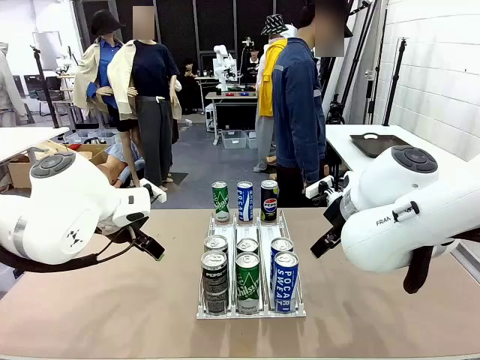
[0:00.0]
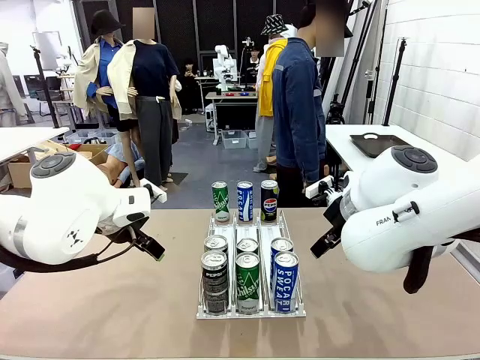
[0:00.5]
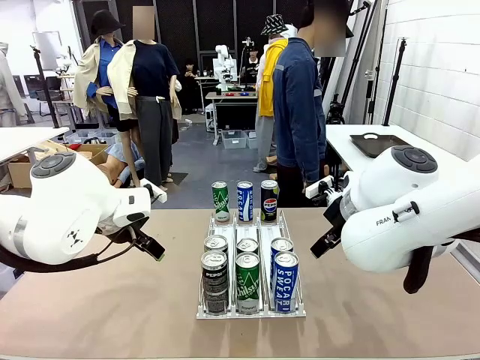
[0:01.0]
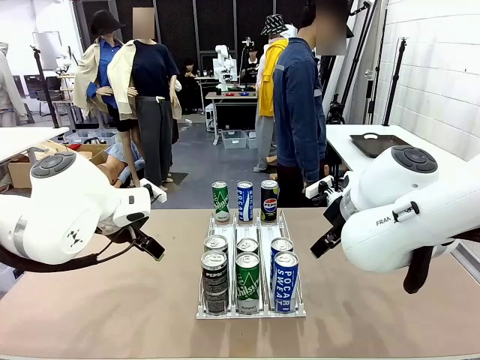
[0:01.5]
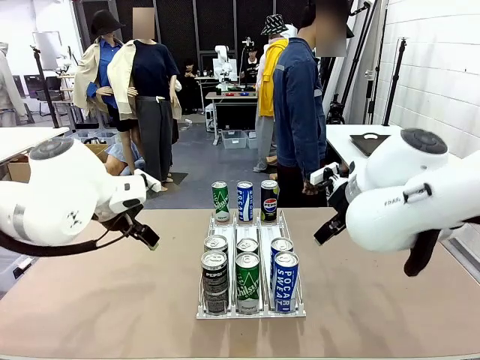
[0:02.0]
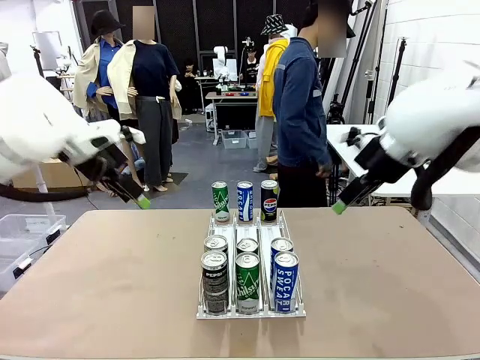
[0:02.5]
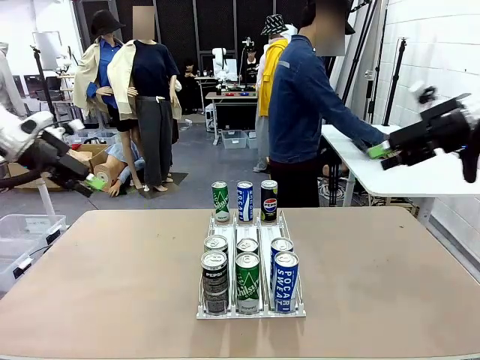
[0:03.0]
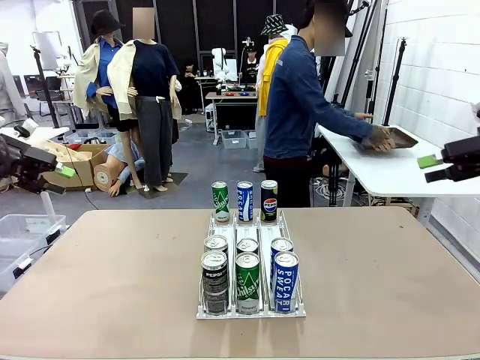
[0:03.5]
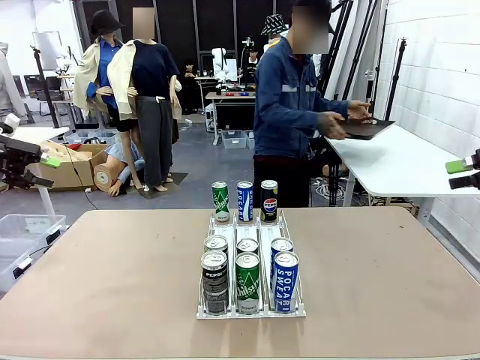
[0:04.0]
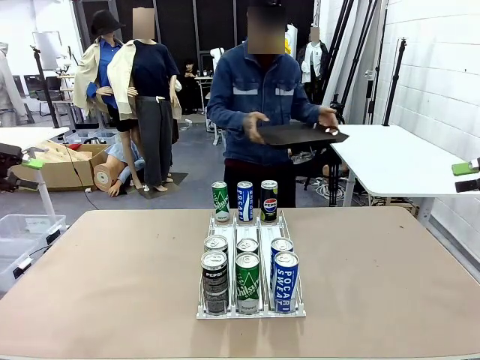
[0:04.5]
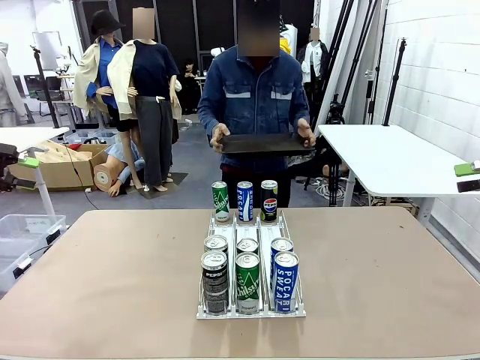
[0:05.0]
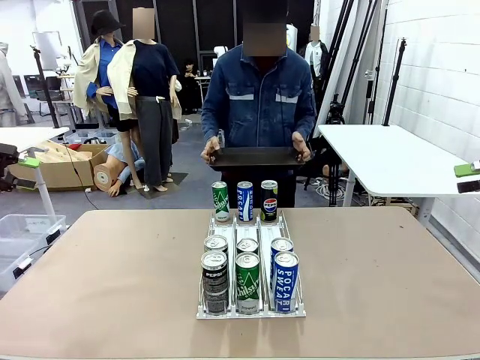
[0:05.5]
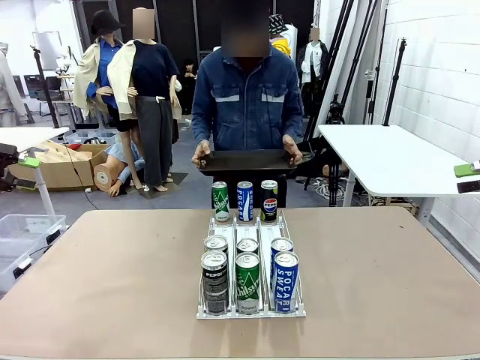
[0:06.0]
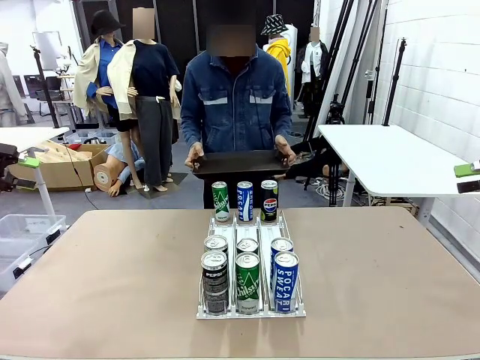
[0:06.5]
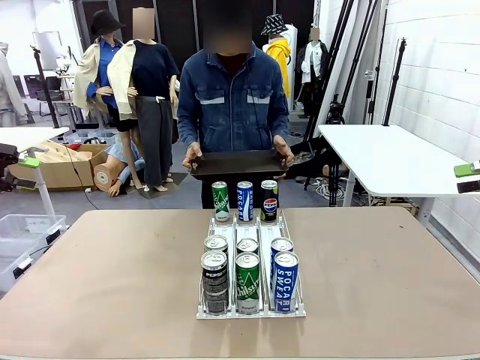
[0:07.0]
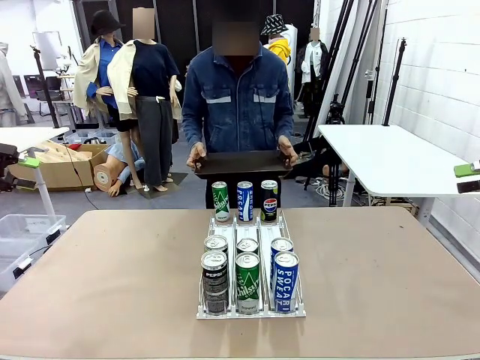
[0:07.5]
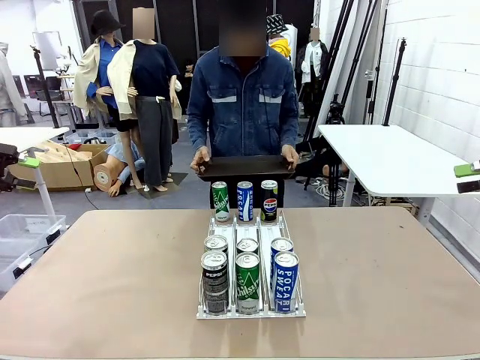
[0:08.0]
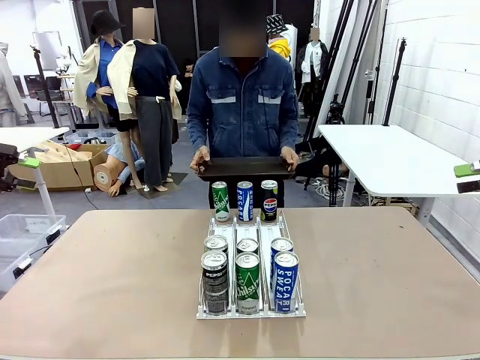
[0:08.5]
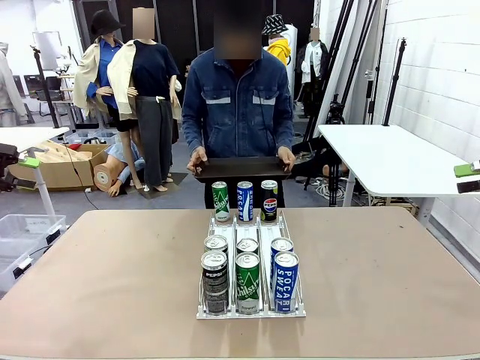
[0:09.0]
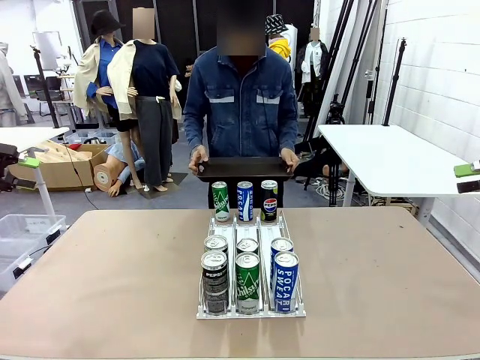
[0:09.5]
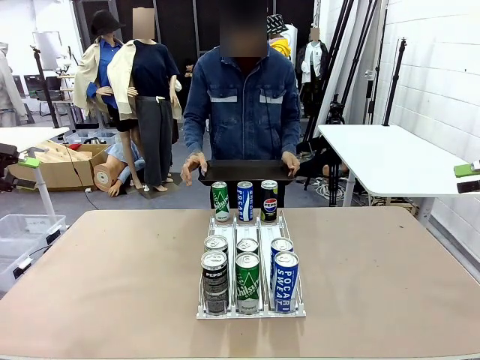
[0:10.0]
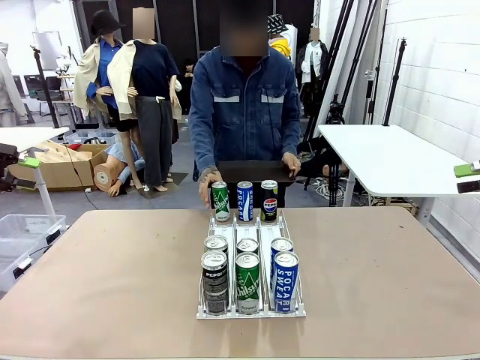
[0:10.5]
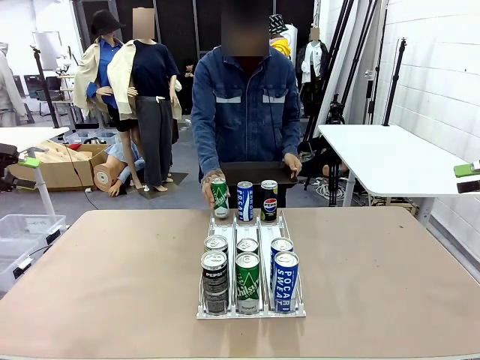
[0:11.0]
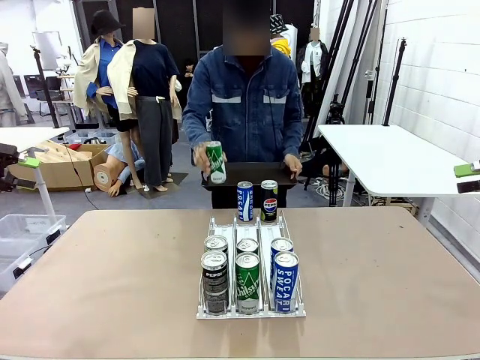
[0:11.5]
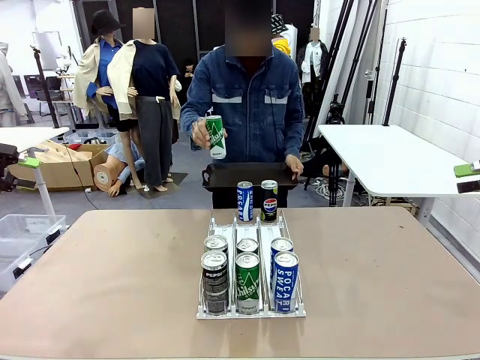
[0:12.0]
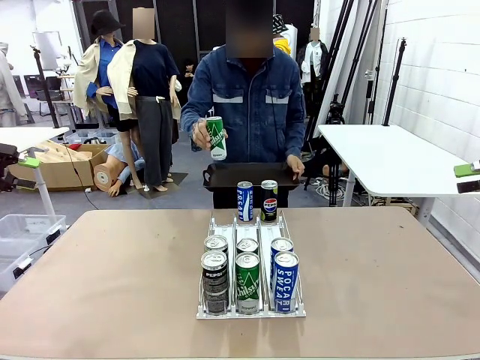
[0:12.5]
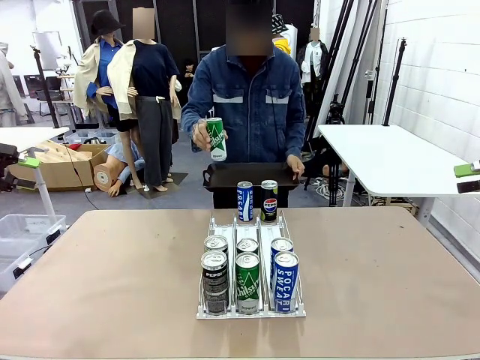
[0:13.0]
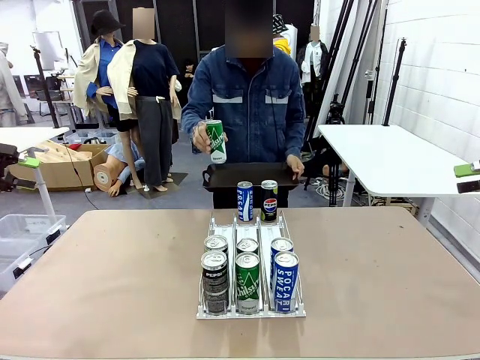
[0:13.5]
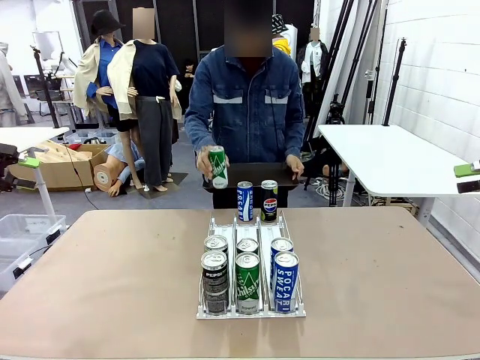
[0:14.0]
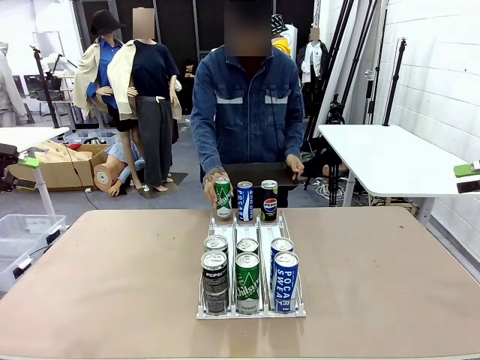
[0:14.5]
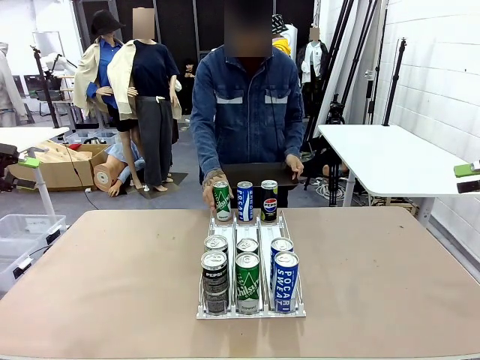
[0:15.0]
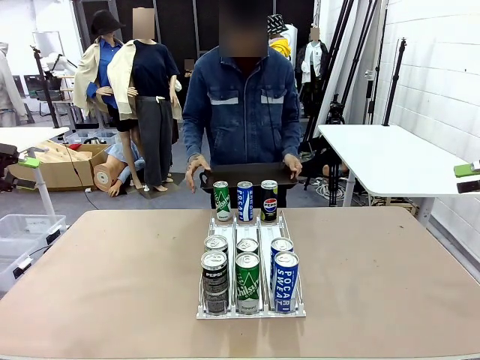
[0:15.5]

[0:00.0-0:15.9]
Task: Retrieve and hand over the desired beverage to the person.
Robot: Pick up a can of the same type that the person held from the Automatic Can Dispenser.
Person: Hold the tray and position yourself in front of the robot table. Pick up one can from the bottom area of the table and puts it back in its original place.

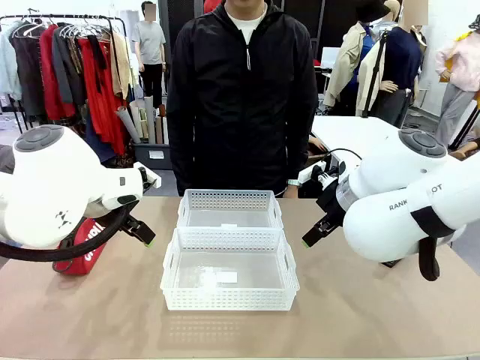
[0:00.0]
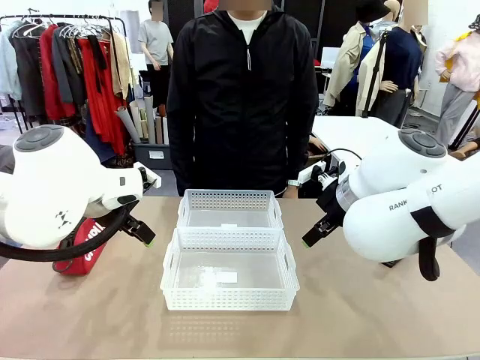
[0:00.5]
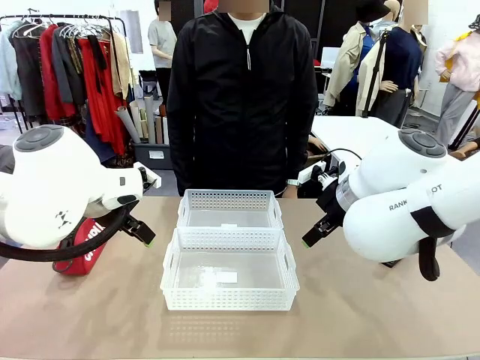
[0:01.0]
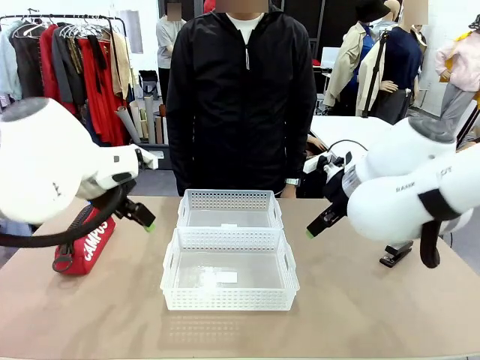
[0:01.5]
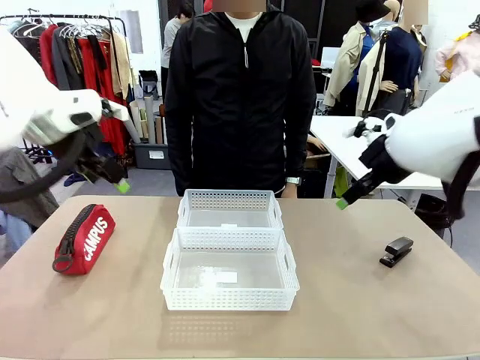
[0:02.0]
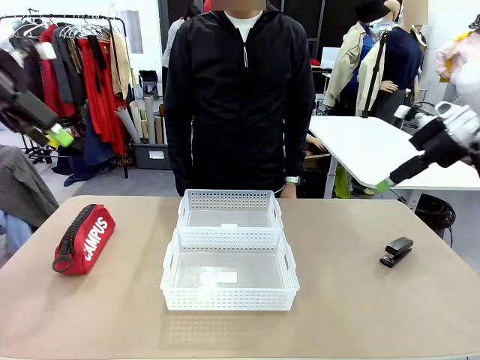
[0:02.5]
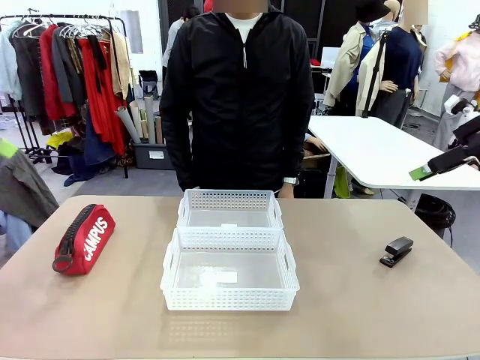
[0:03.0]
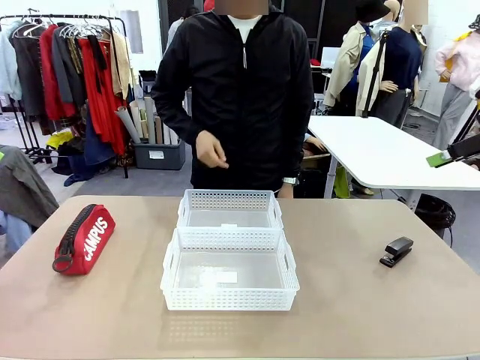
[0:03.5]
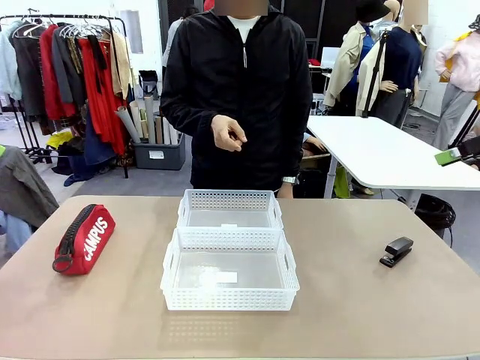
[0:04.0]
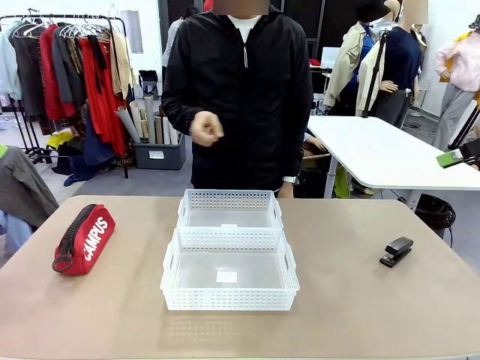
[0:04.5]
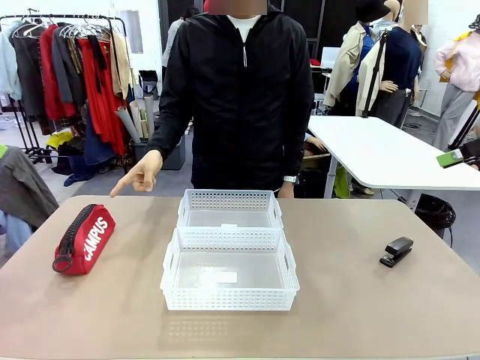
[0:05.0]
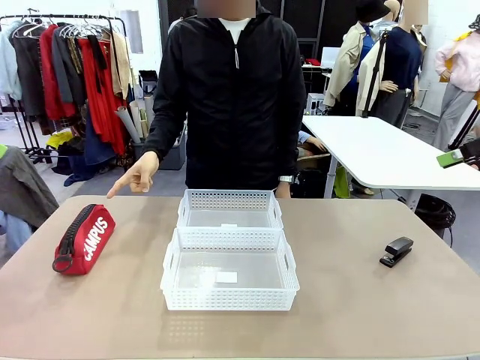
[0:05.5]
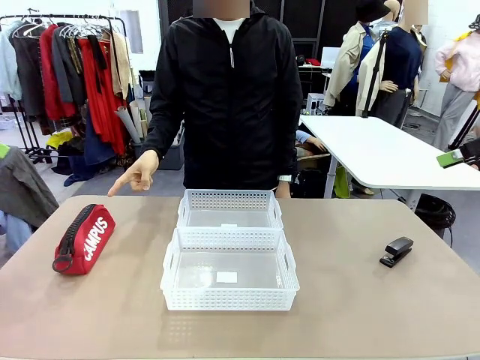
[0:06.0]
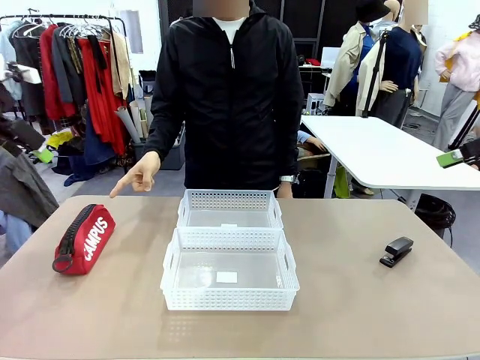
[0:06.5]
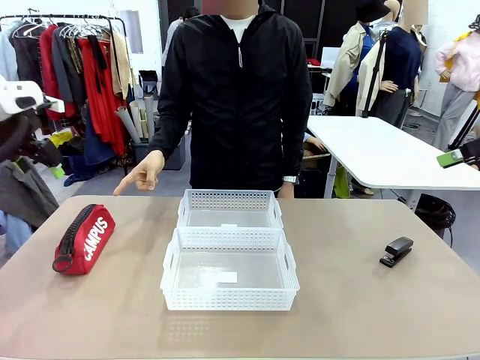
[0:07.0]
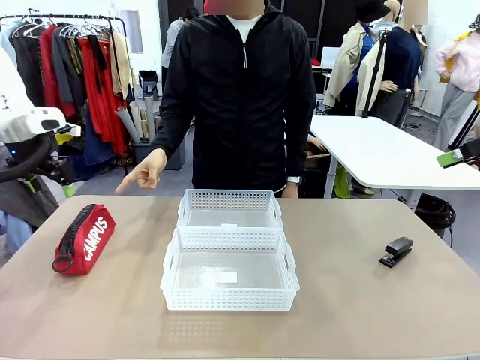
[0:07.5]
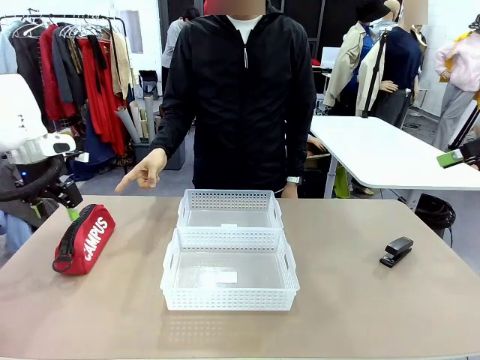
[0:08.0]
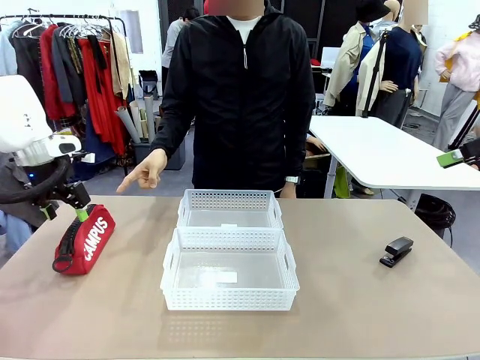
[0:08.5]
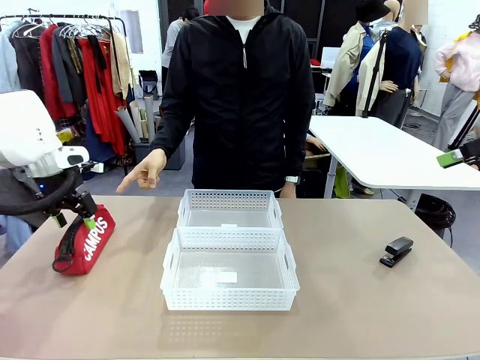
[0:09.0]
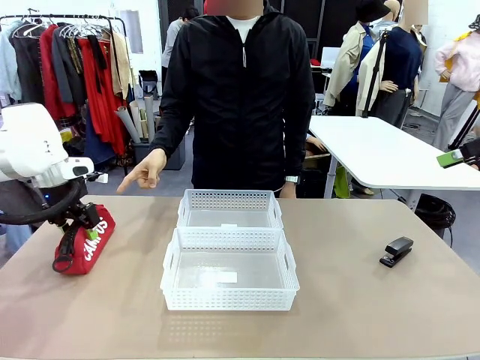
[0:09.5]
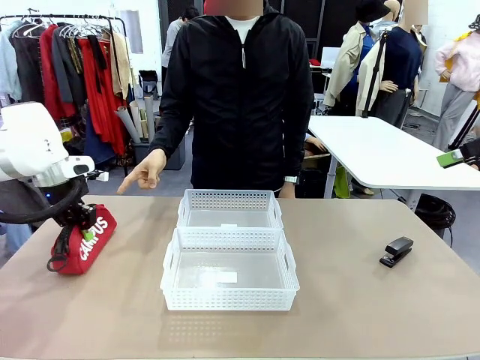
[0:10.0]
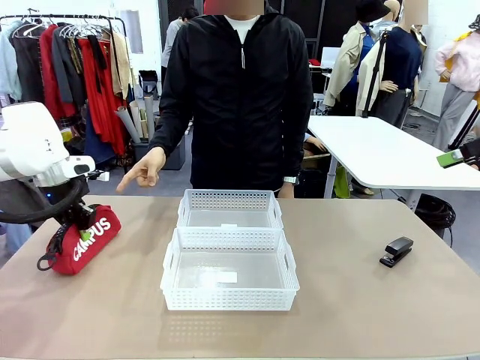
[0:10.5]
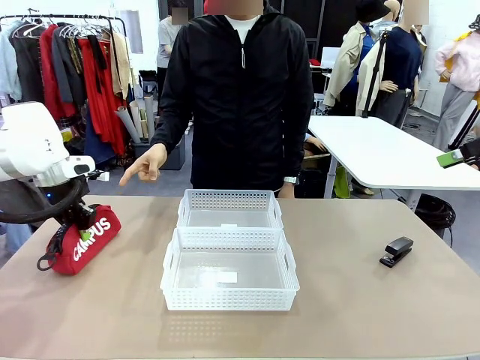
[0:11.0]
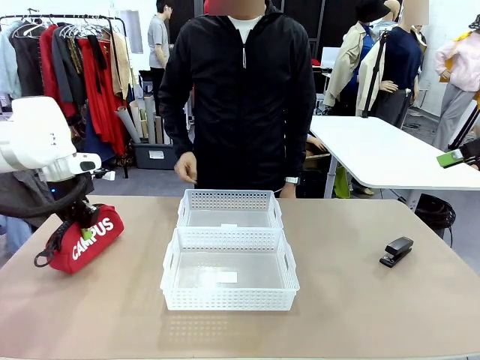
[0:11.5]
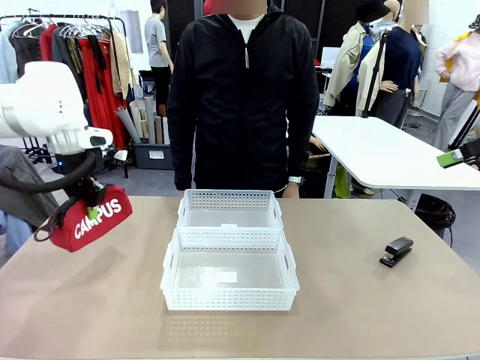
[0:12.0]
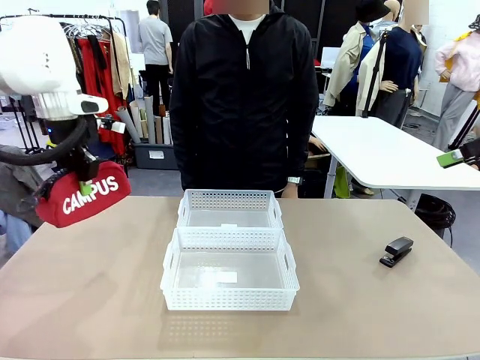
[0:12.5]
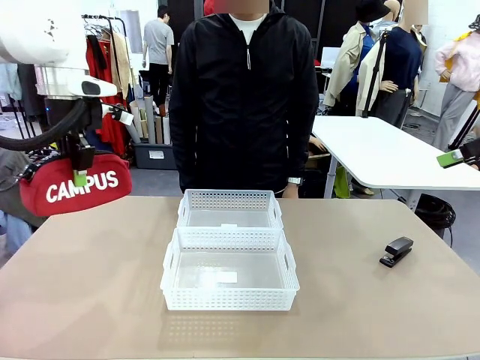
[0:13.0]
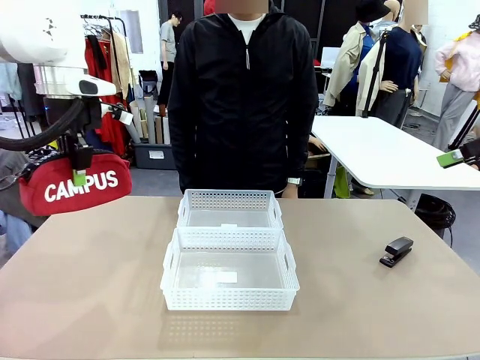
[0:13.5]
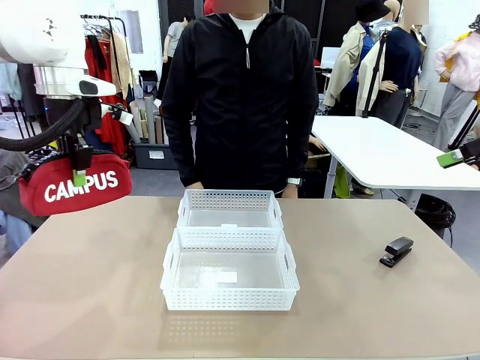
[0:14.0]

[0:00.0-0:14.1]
Task: Distribute items into two baskets.
Robot: Pick up the Pencil pouch that the person points to.
Person: Points to the pencil case. Points between the two organizing baskets and instructs the robot to move the pencil case.
